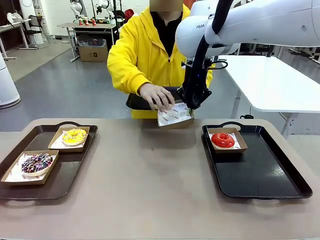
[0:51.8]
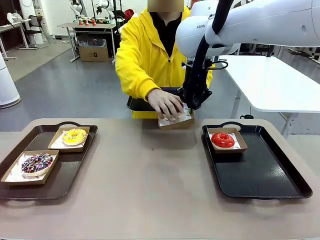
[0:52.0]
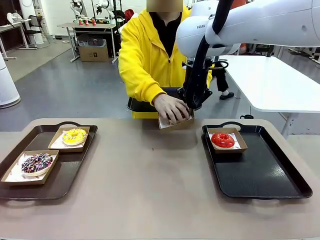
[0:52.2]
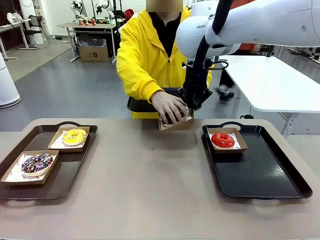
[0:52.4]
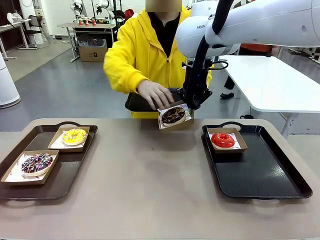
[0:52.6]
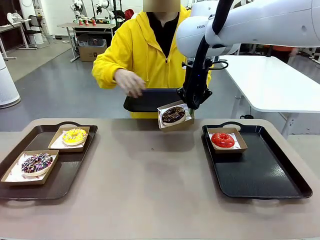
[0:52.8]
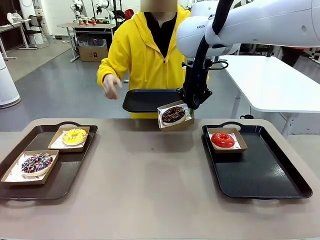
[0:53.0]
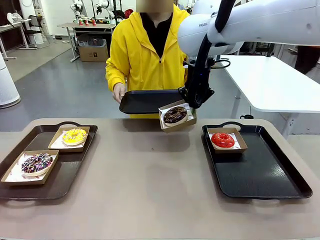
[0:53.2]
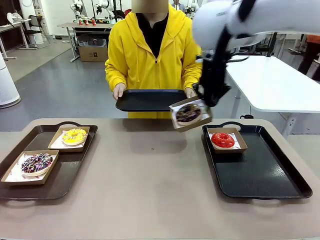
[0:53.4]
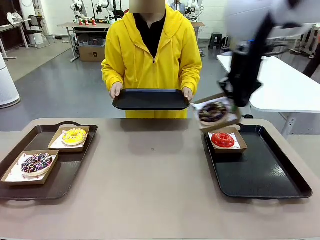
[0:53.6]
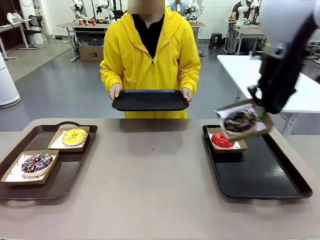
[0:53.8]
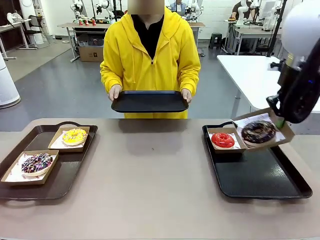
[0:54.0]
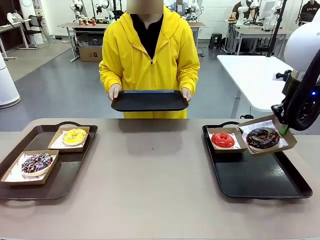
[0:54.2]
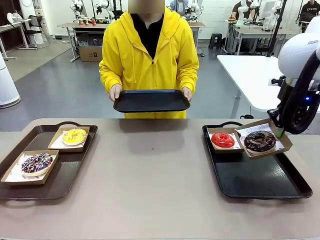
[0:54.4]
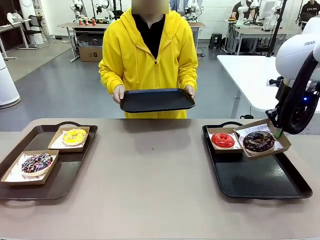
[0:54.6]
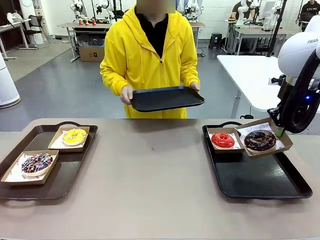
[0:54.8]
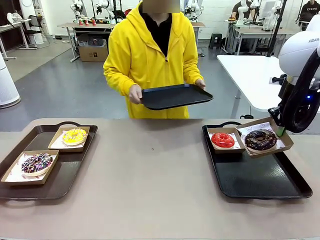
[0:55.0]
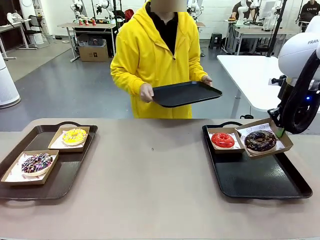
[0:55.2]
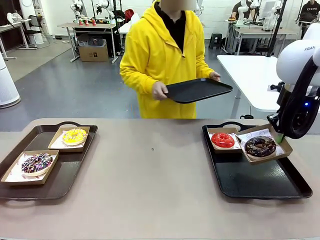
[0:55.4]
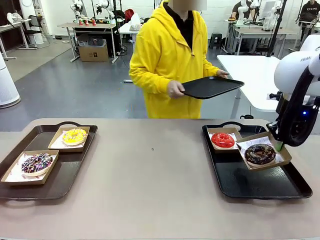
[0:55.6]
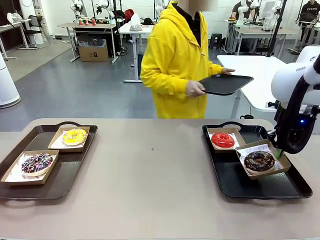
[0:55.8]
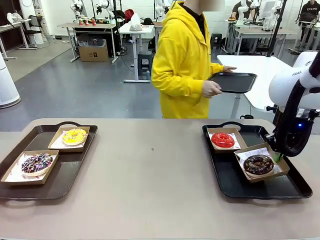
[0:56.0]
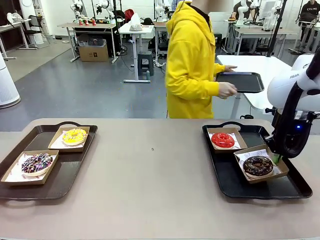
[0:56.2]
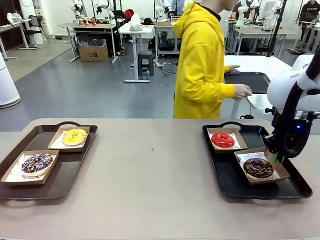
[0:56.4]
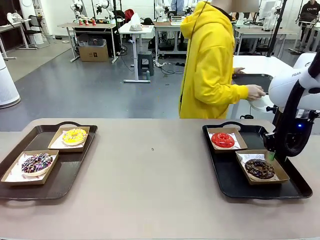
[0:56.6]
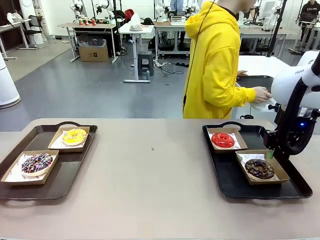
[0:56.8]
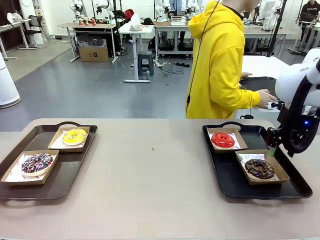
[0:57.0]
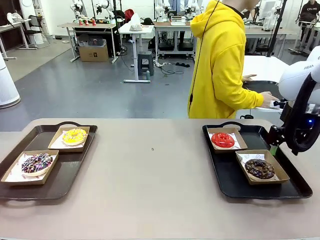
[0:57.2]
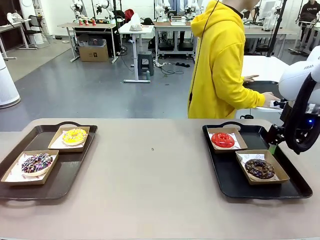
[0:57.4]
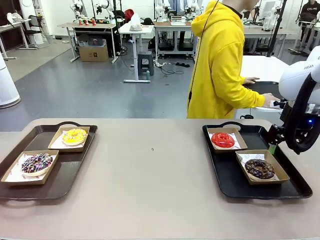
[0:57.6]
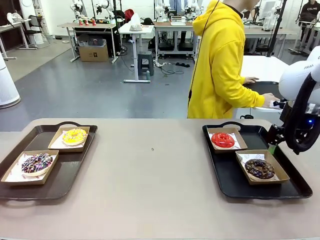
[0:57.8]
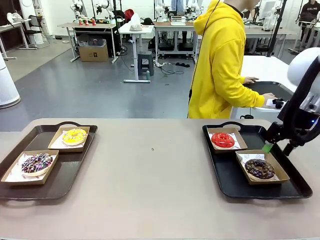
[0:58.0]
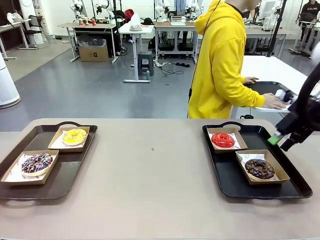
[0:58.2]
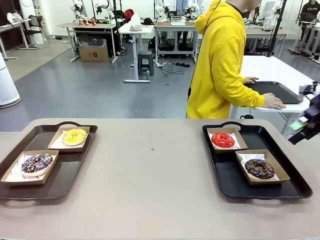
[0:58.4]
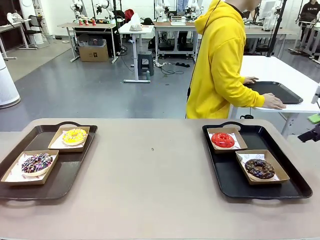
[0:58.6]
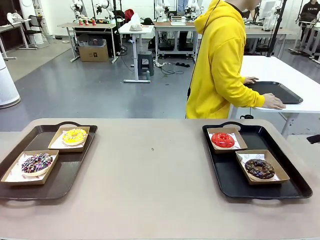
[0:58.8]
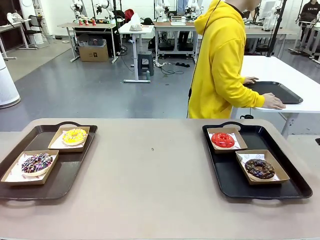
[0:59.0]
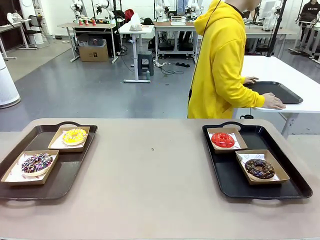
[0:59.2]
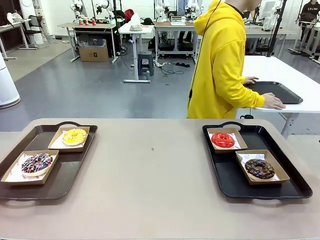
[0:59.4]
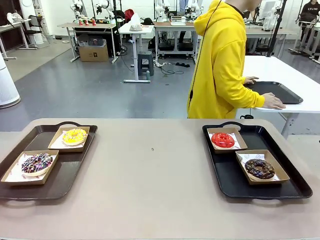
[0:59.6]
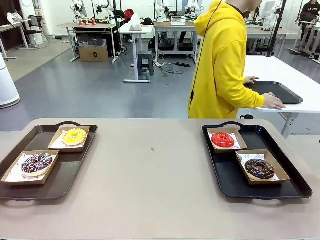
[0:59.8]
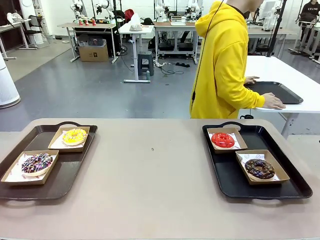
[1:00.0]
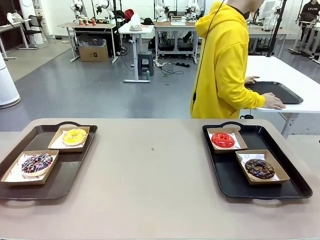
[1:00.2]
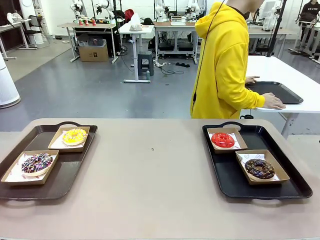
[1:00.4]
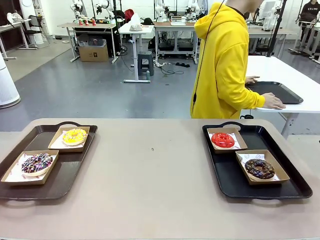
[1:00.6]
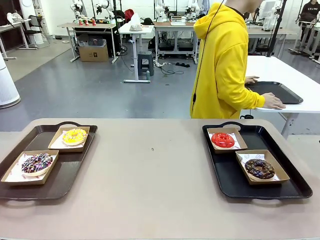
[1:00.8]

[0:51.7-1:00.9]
Task: Individually package the donuts and arrange them on the tray.
Robot: Place the picked Paper togo box on the Handle tray.
Person: Place the tray down in the middle of the human table.

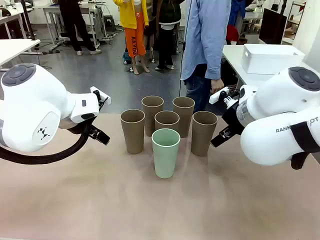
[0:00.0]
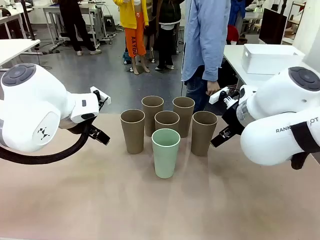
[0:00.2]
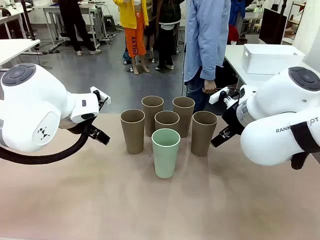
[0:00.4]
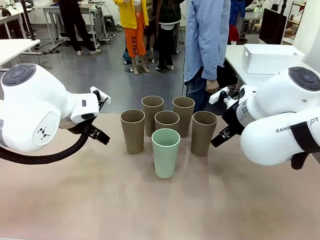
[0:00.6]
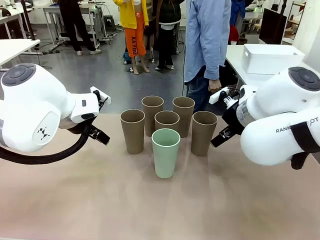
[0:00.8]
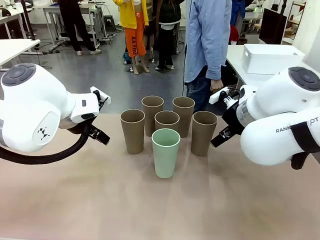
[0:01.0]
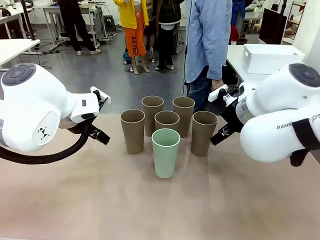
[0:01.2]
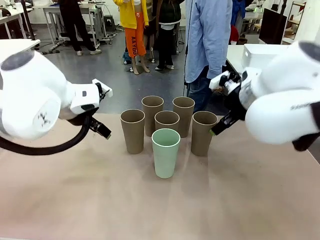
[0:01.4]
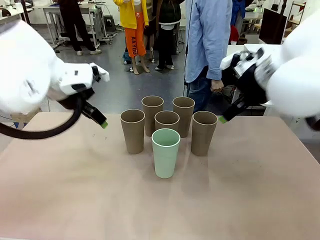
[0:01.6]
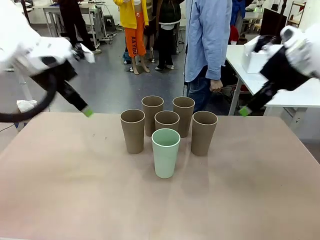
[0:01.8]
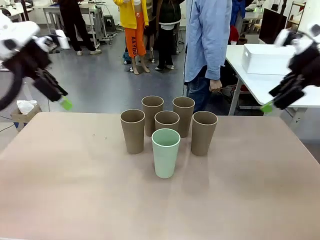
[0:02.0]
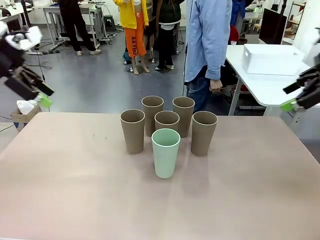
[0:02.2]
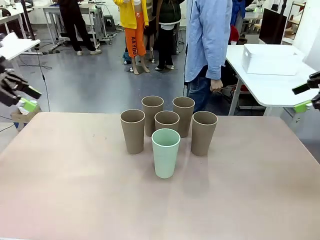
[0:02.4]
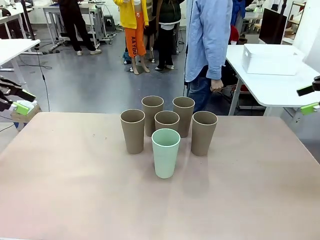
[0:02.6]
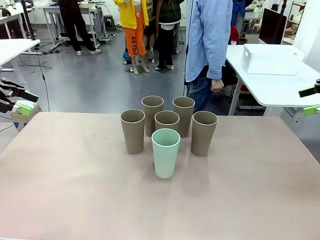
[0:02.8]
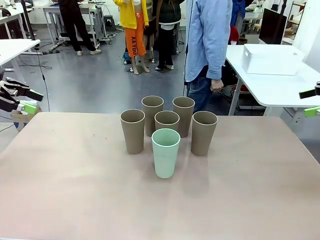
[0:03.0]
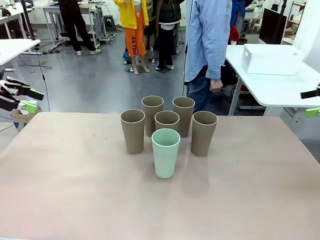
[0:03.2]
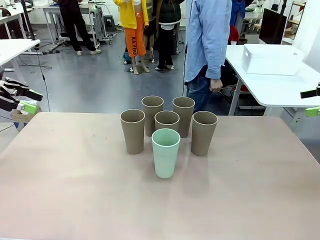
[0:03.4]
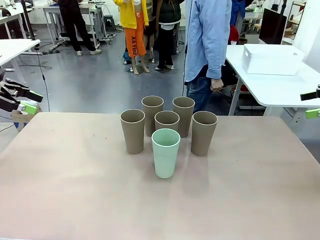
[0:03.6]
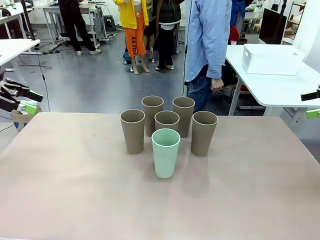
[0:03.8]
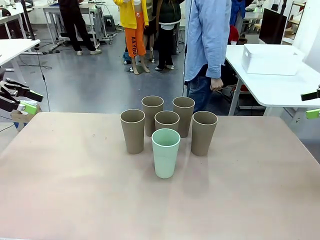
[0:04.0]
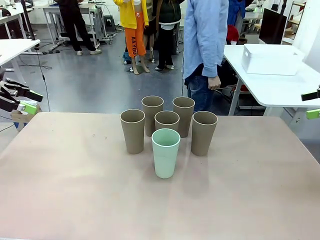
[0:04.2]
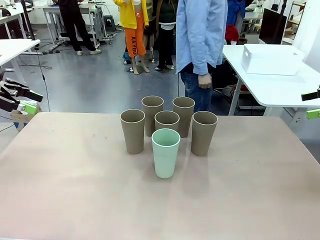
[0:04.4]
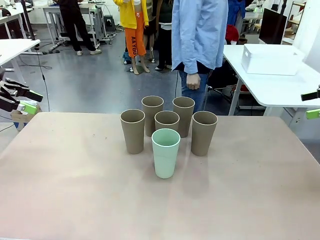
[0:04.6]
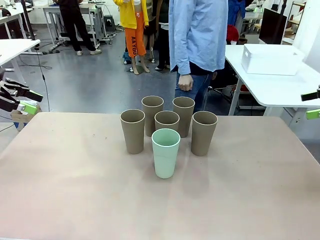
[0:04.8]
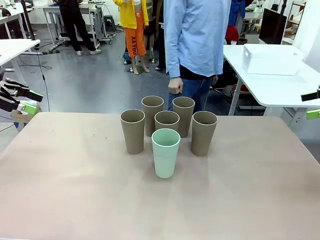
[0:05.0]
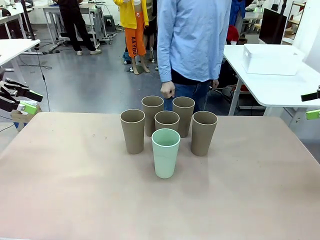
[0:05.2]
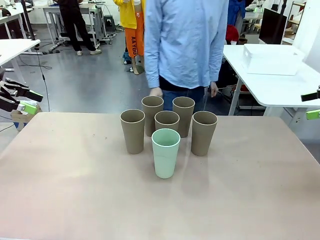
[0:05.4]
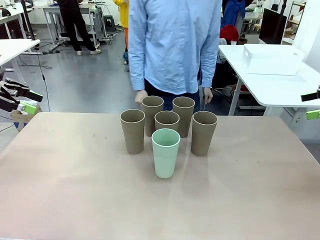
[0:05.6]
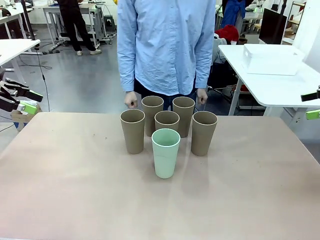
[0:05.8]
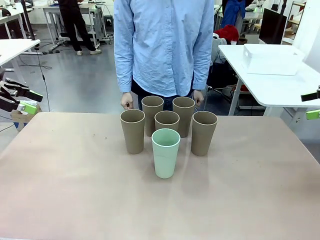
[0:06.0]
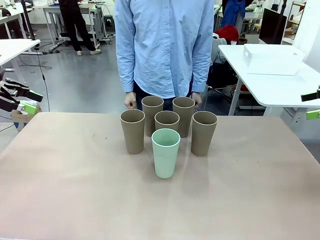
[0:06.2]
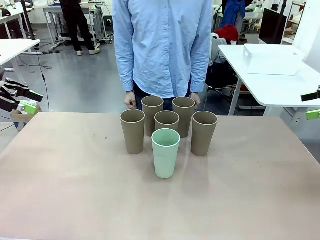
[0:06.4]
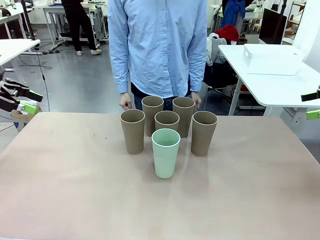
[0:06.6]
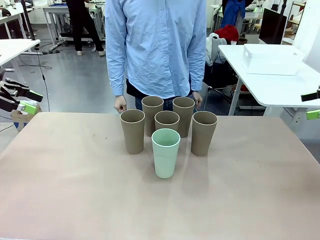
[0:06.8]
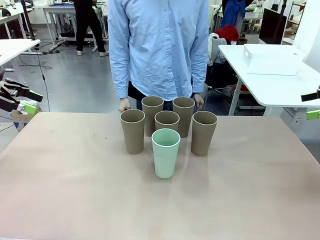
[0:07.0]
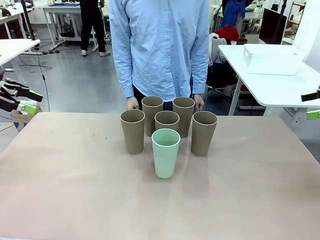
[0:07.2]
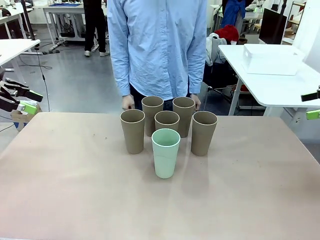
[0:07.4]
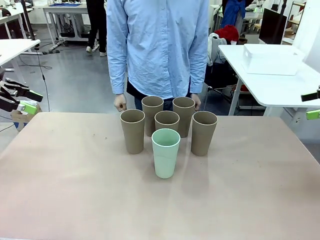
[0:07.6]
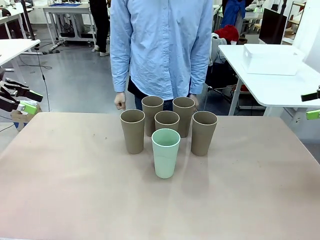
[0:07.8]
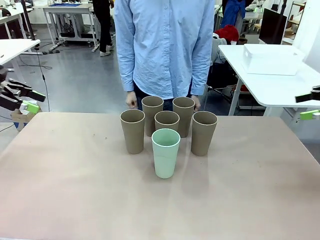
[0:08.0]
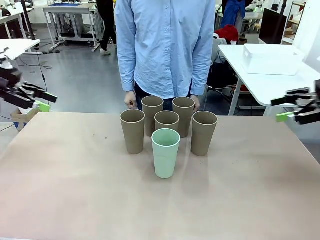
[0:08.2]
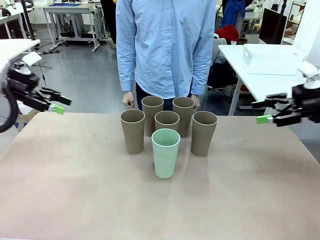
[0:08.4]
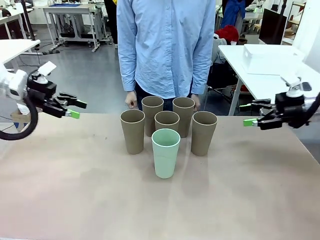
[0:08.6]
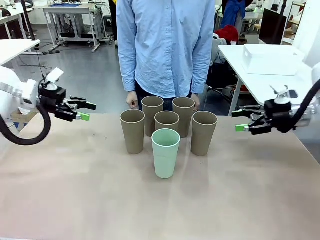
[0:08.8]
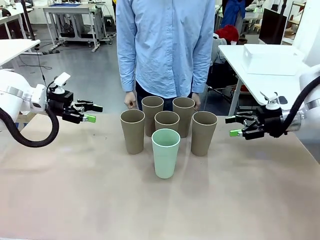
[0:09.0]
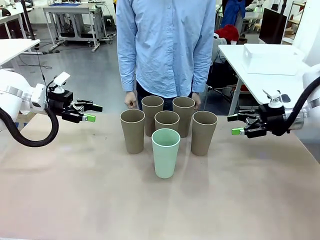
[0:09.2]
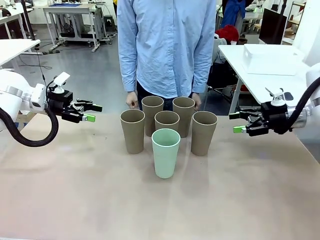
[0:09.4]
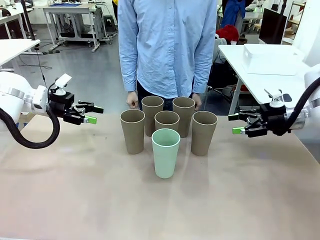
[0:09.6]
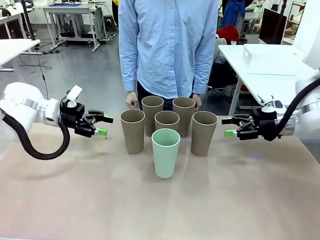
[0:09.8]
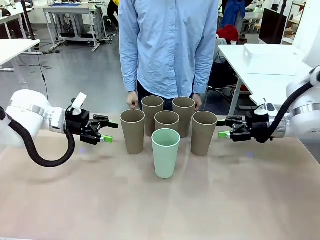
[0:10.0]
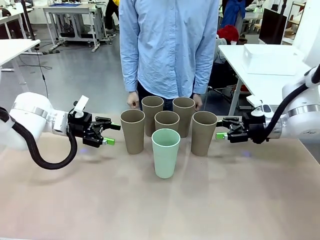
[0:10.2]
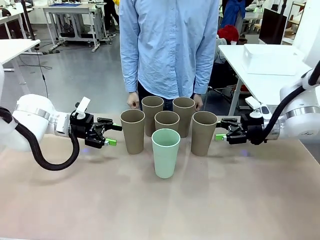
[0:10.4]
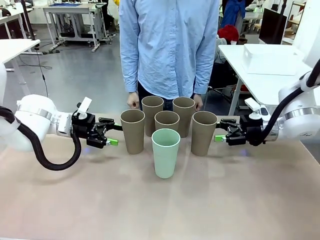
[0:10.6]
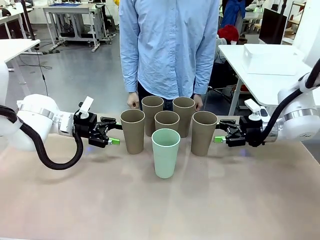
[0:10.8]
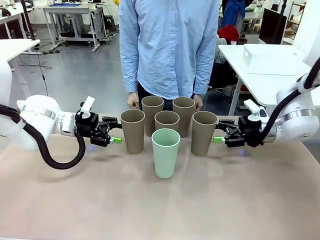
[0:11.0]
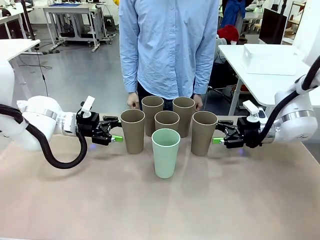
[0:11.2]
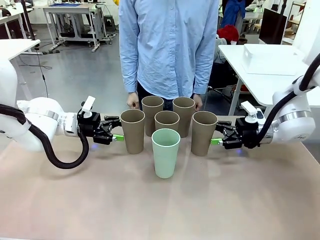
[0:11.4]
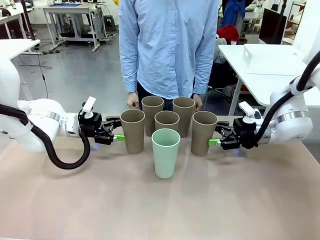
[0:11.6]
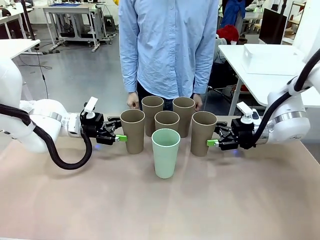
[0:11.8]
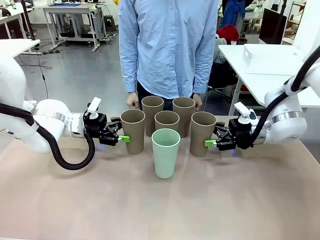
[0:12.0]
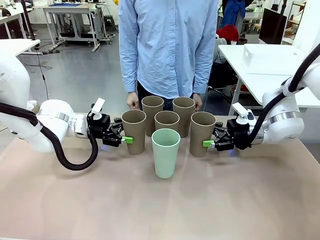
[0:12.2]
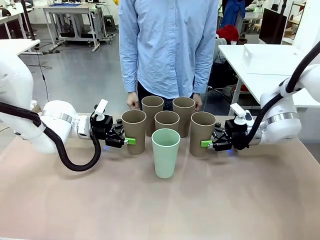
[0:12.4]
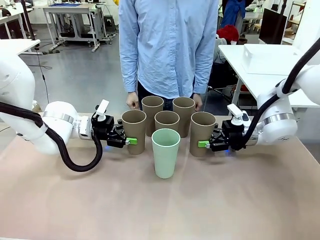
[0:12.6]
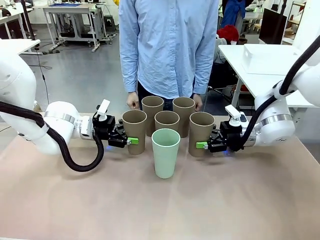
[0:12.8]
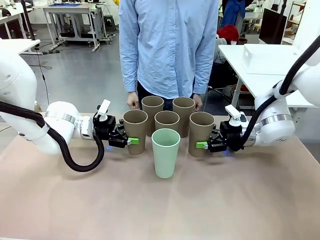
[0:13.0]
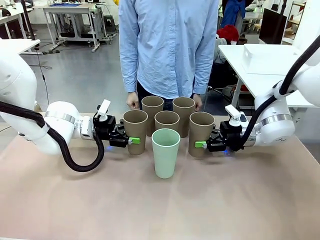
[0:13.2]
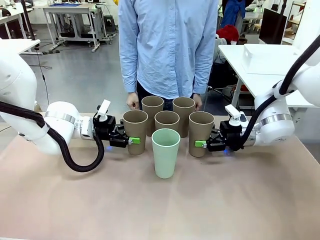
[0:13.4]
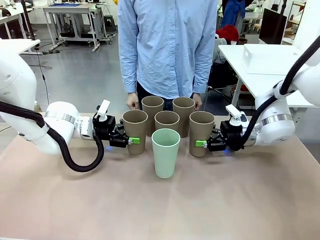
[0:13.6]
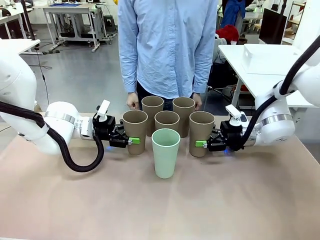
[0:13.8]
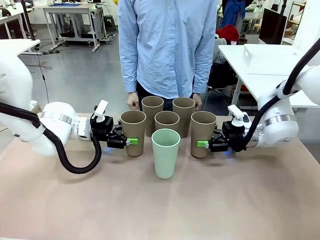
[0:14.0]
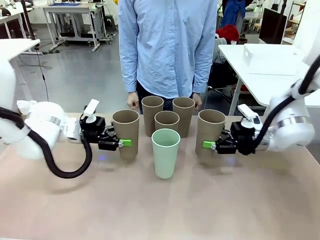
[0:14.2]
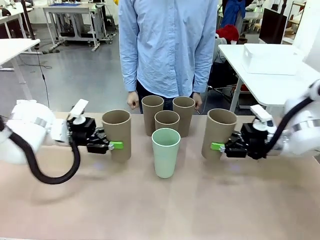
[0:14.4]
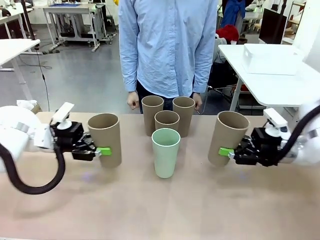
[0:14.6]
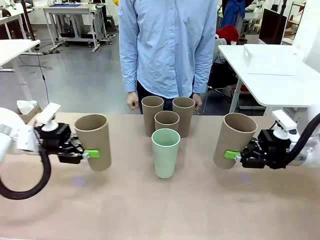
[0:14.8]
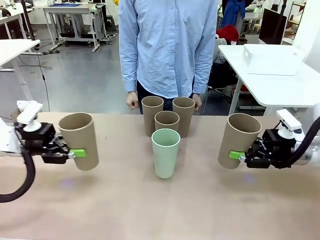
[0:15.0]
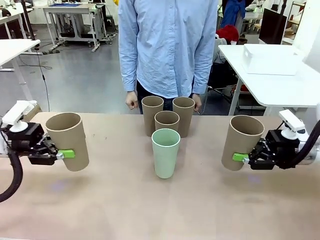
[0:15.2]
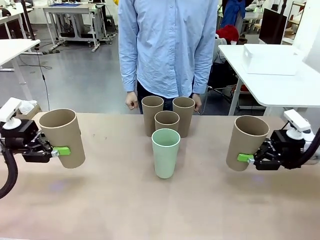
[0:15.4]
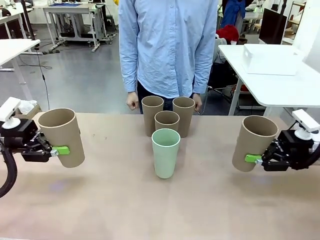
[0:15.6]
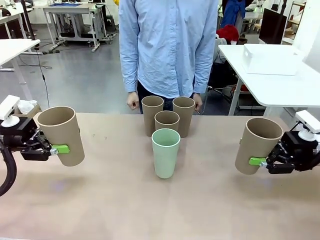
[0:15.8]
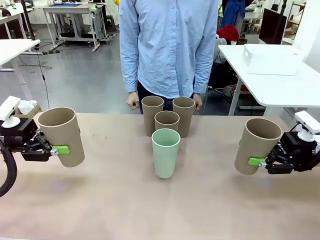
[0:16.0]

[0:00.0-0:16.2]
Task: Stack the cups and store them in the basket.
Robot: Pick up two Reusable plastic cups , one in each hand.
Person: Move from the Human Table to the front of the Robot Table. Stack two of the remaining cups on top of each cup held by the robot.
